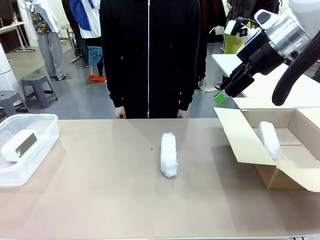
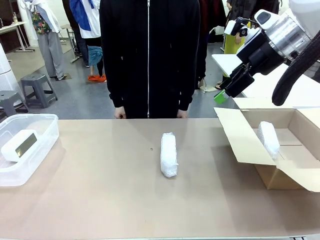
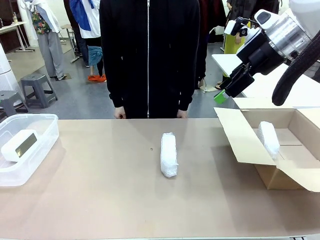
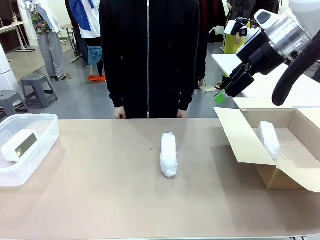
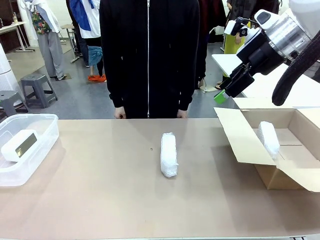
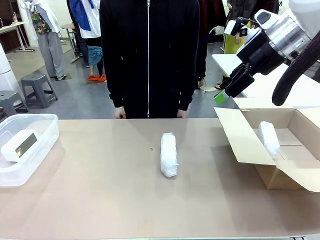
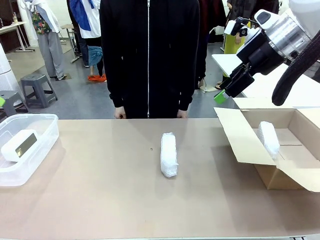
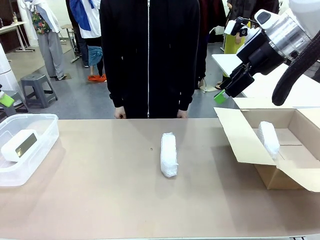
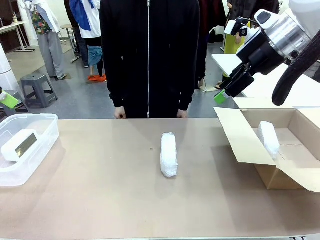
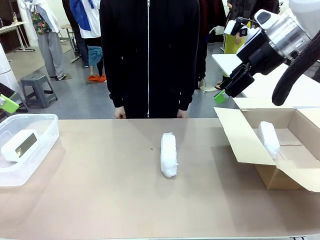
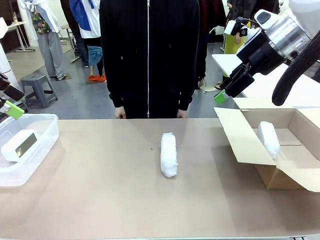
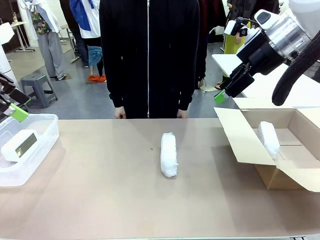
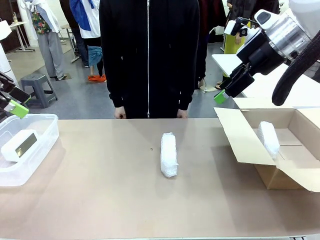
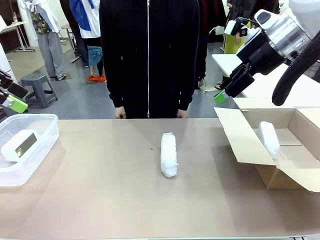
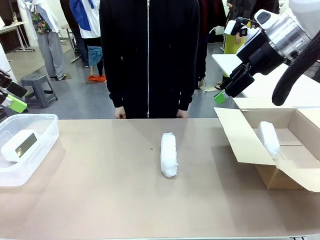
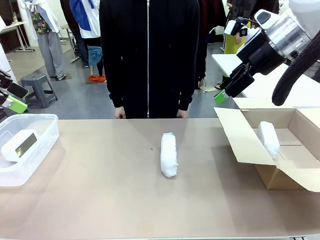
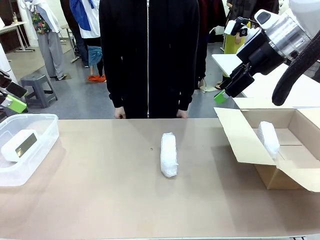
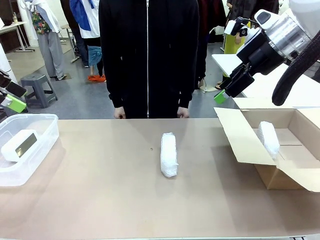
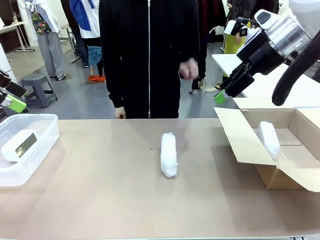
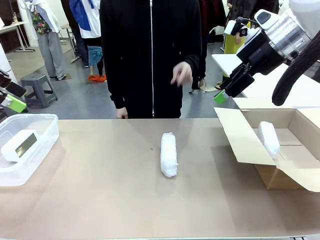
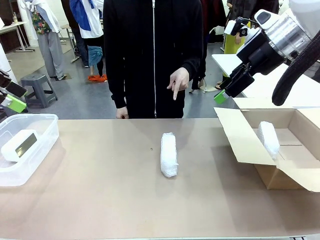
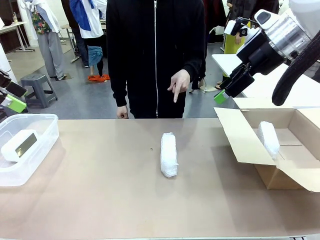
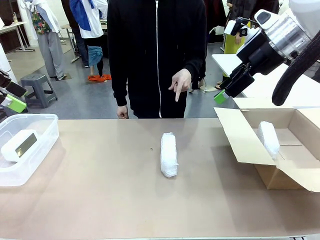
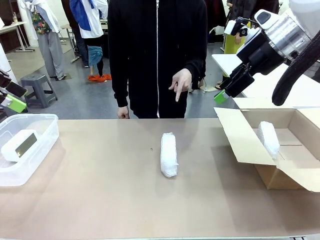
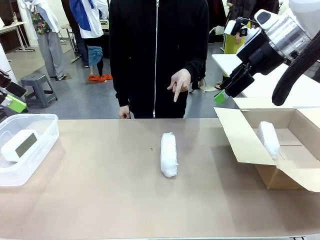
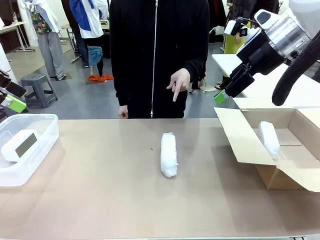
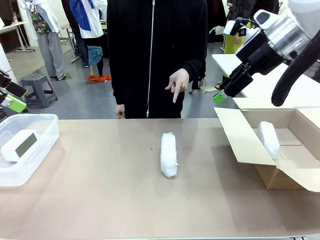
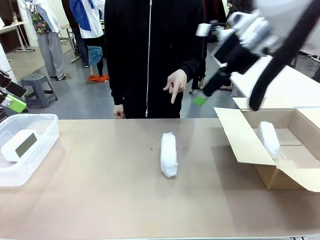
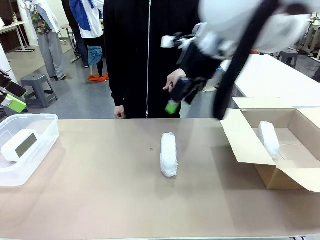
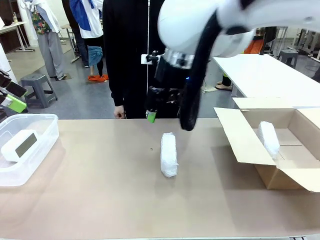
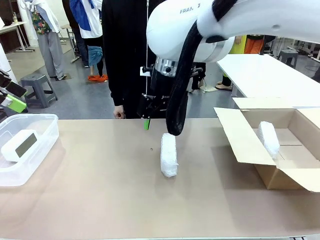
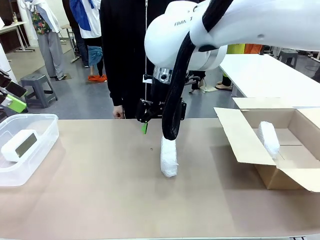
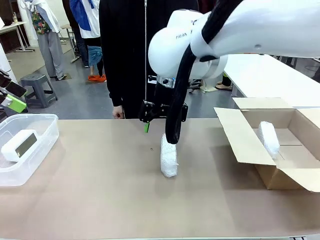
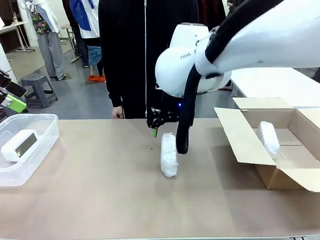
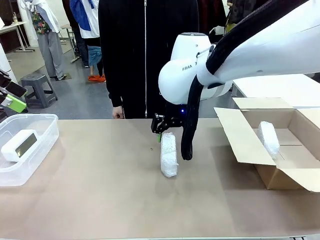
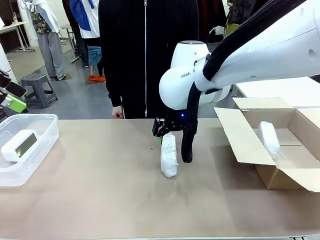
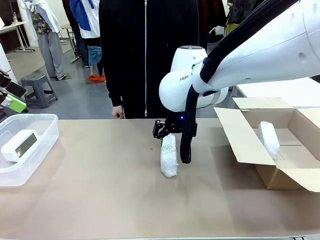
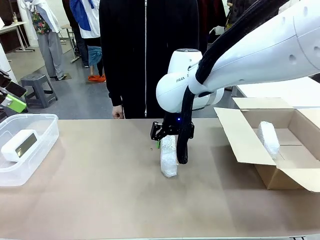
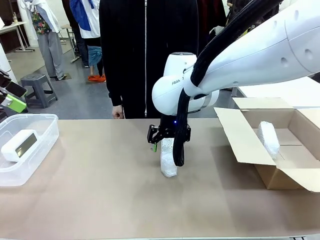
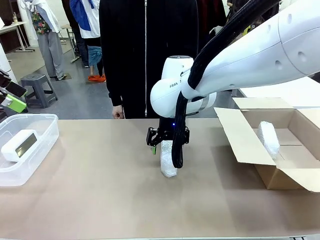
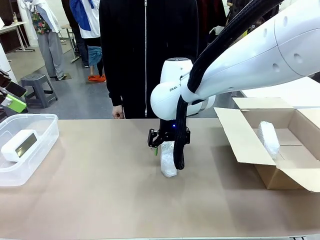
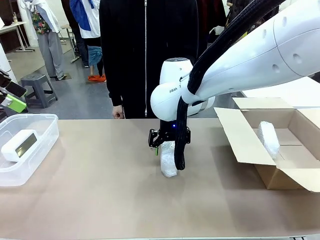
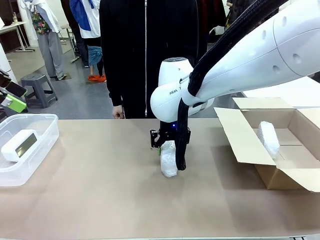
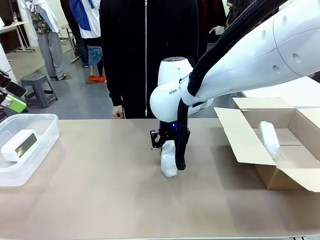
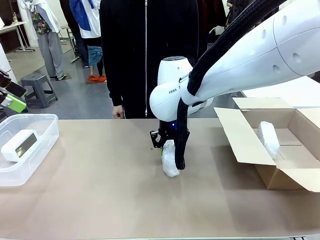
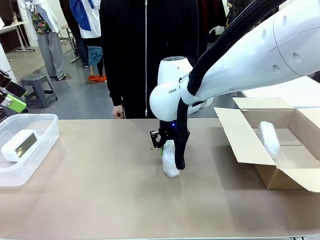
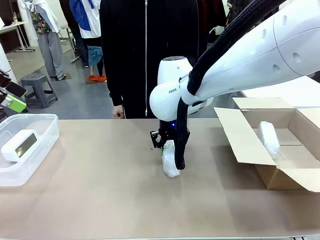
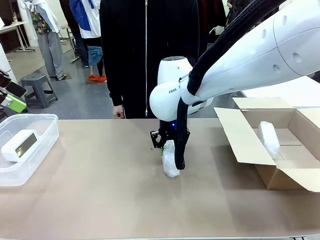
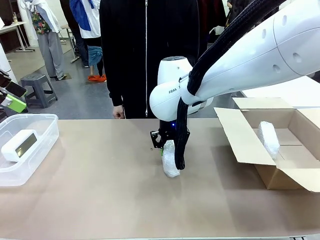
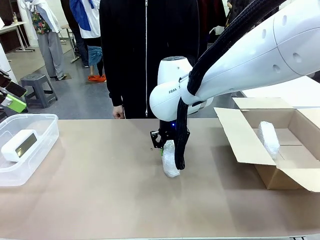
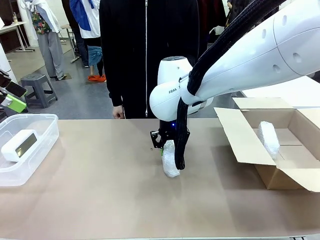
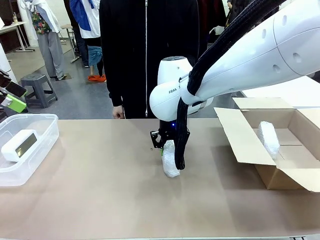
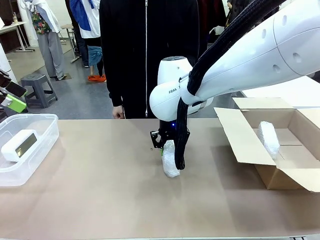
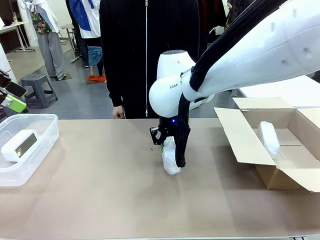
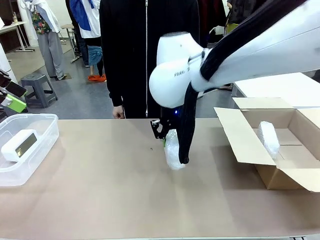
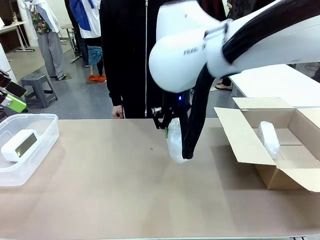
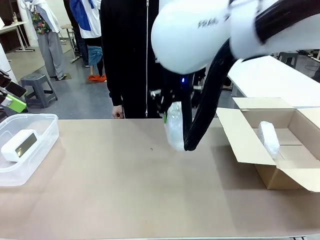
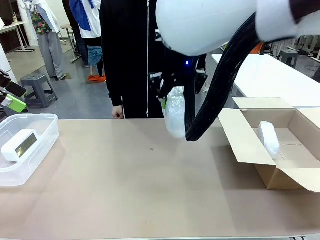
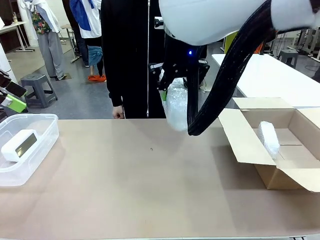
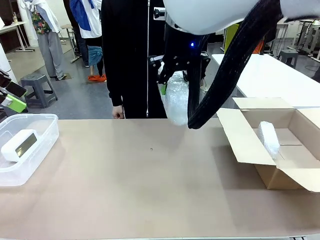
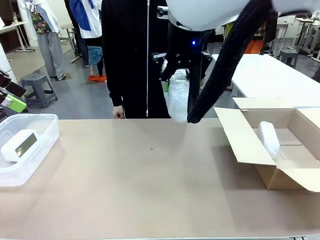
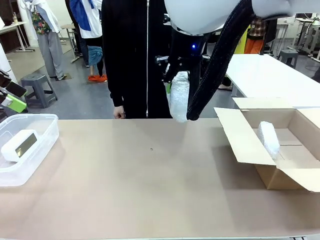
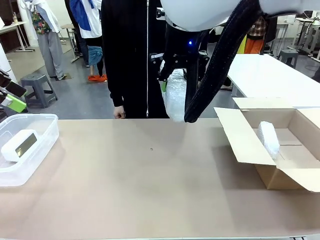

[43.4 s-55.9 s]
Task: Separate and place wrapped and unwrapped clocks.
Robot: Pick up the Digital clock indicated by the person.

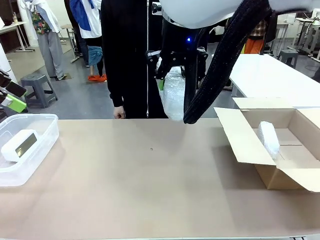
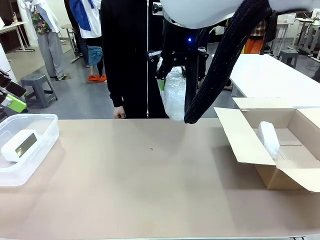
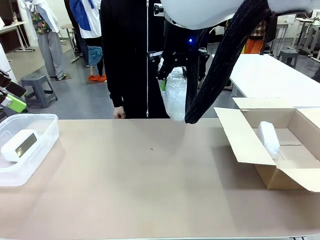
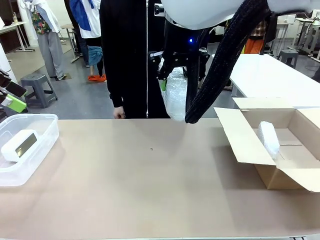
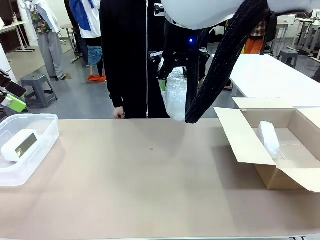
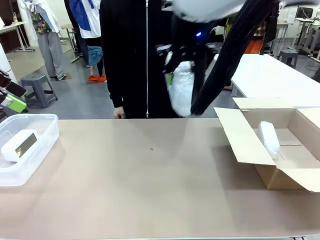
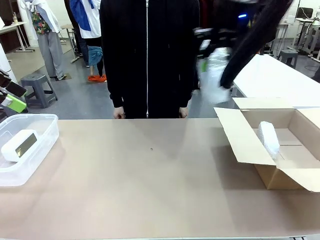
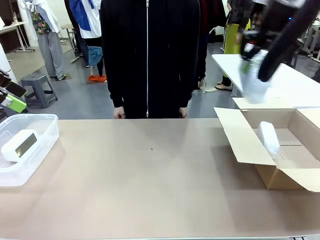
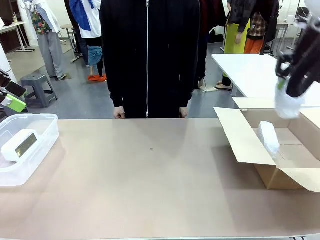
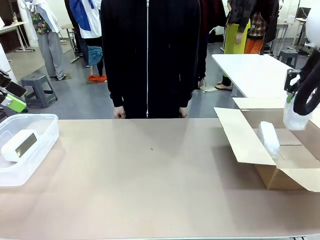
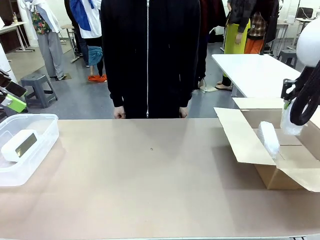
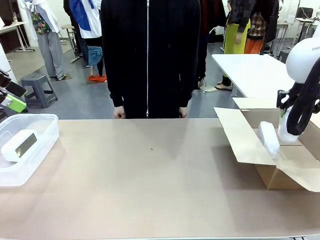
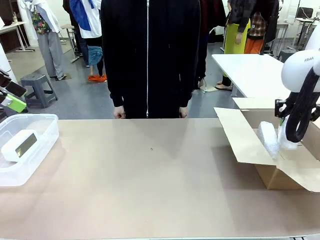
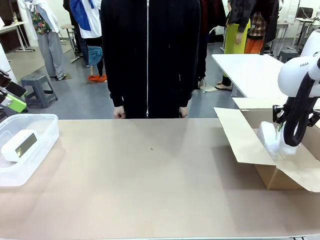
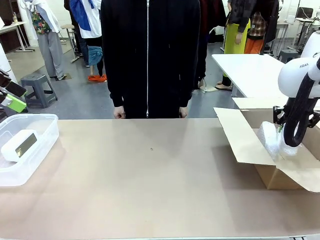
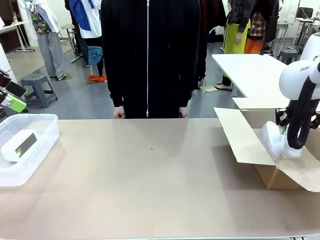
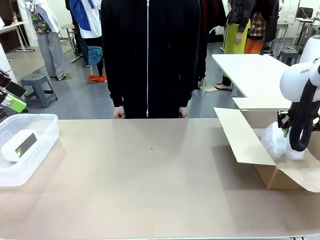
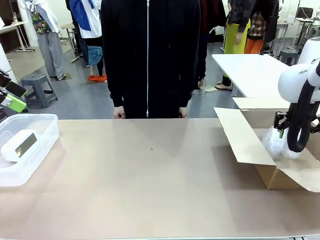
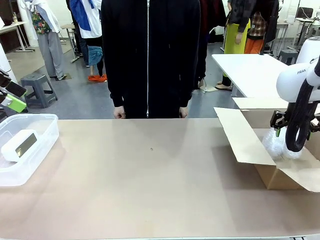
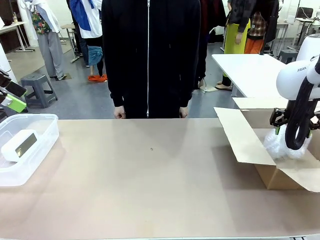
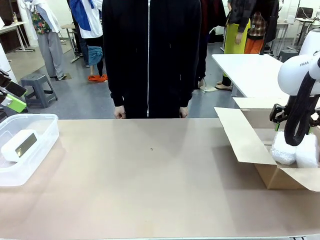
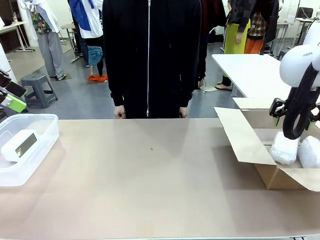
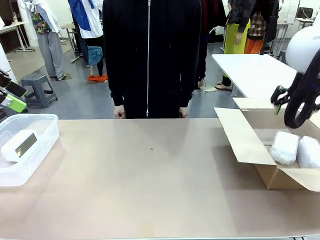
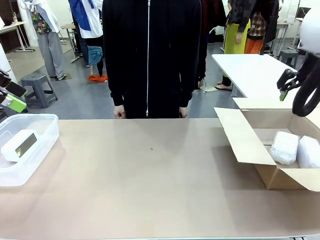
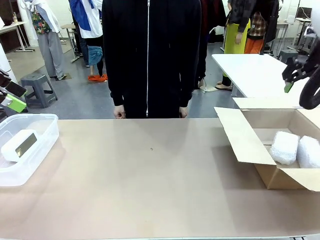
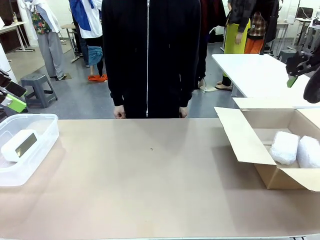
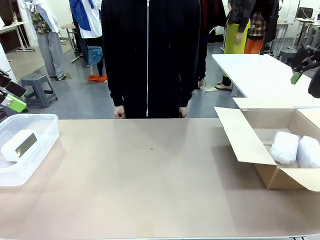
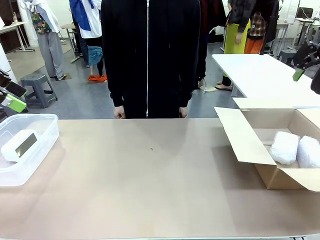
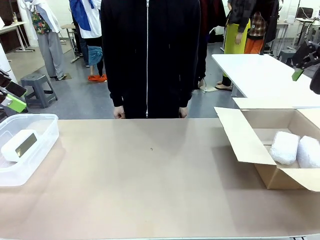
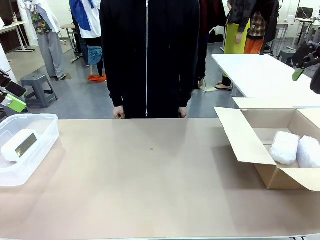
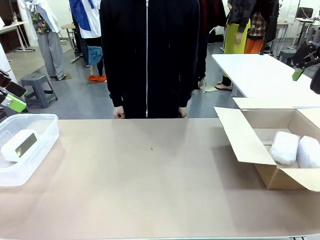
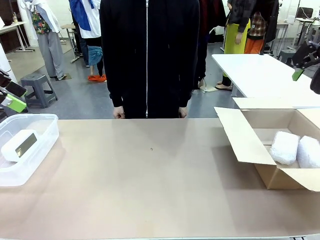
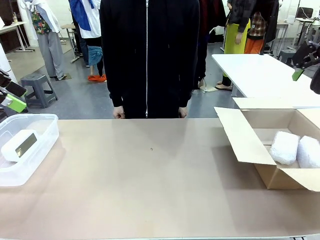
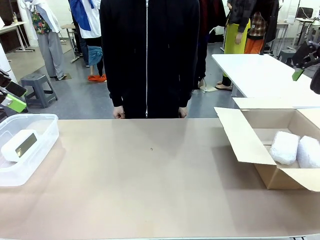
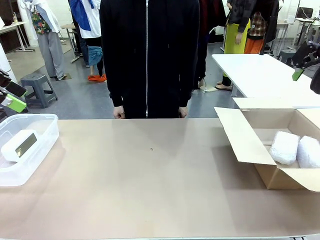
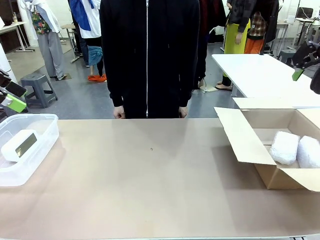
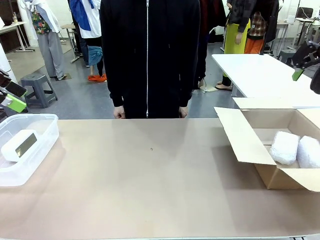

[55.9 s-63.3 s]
Robot: If the picked Digital clock is wrapped, place it in the Package Box ; if not, place it in the Organizing box.
